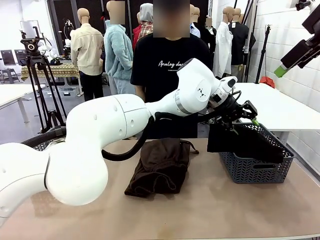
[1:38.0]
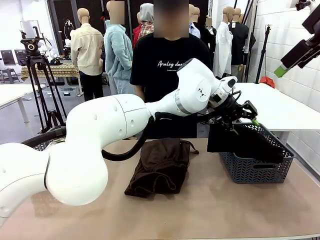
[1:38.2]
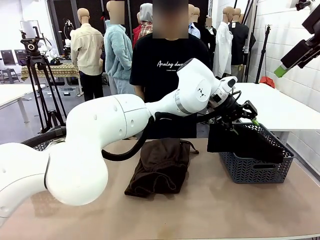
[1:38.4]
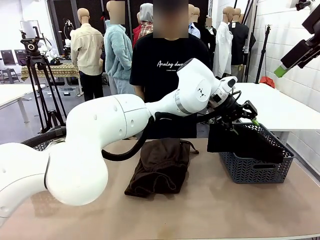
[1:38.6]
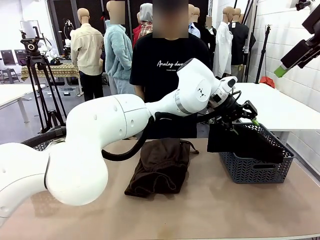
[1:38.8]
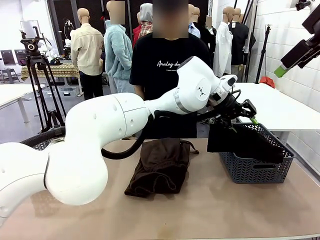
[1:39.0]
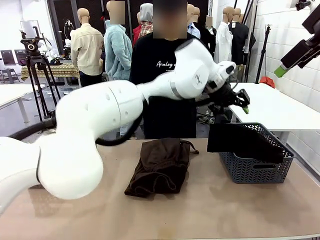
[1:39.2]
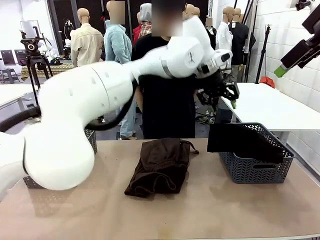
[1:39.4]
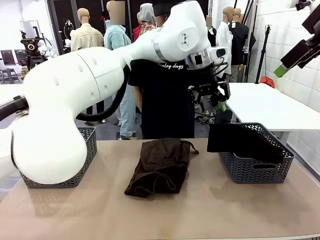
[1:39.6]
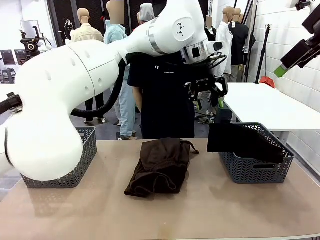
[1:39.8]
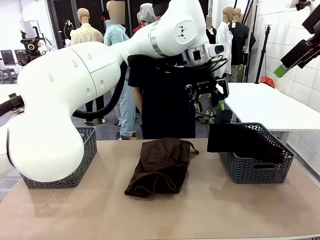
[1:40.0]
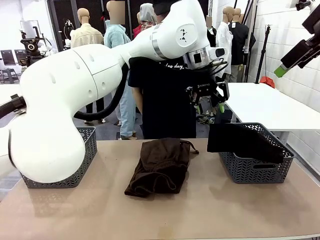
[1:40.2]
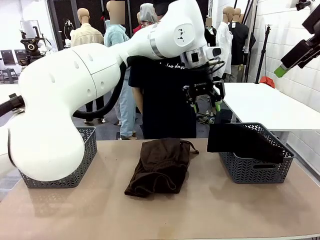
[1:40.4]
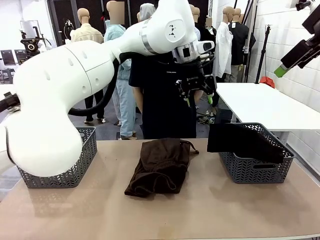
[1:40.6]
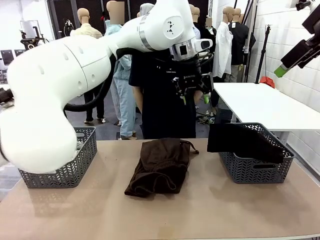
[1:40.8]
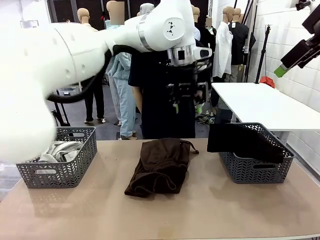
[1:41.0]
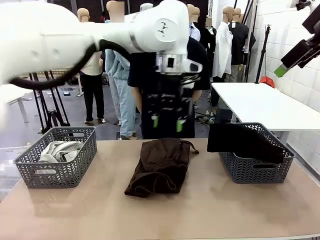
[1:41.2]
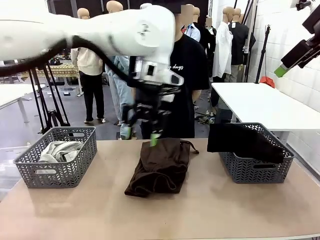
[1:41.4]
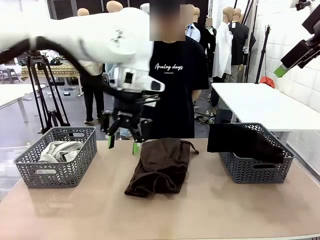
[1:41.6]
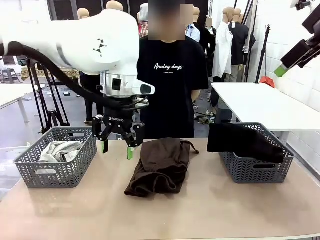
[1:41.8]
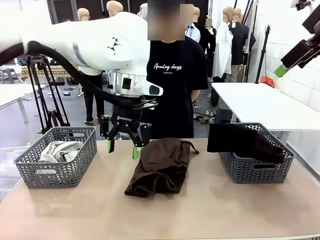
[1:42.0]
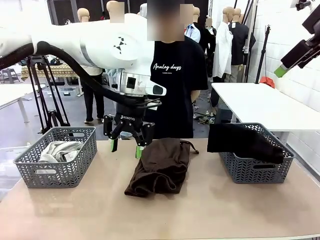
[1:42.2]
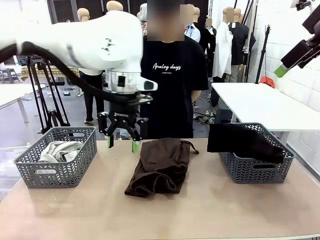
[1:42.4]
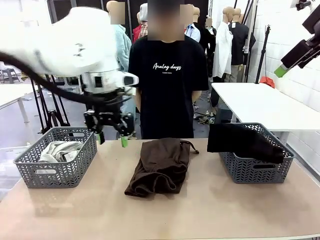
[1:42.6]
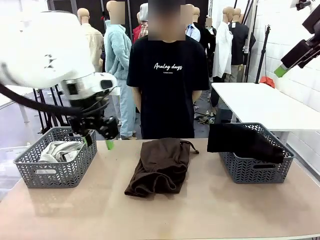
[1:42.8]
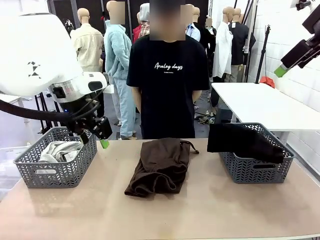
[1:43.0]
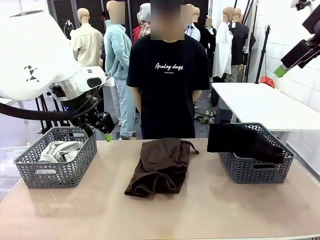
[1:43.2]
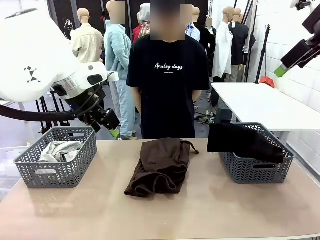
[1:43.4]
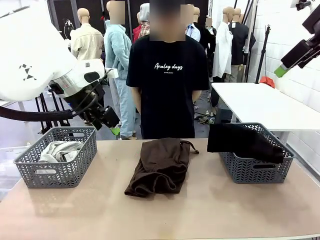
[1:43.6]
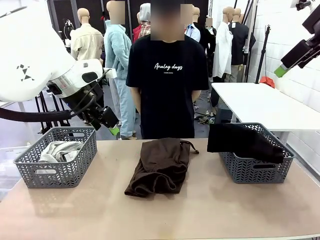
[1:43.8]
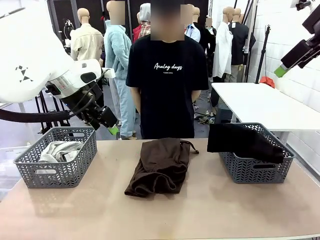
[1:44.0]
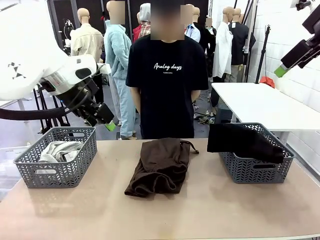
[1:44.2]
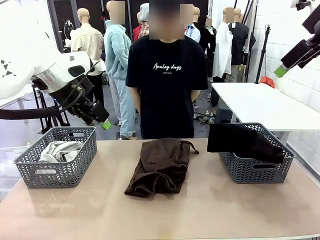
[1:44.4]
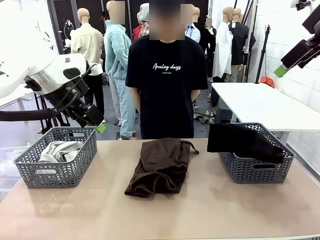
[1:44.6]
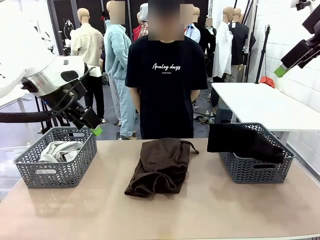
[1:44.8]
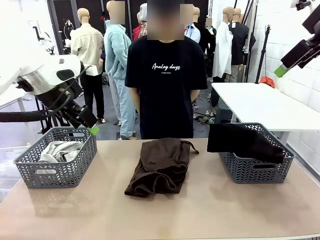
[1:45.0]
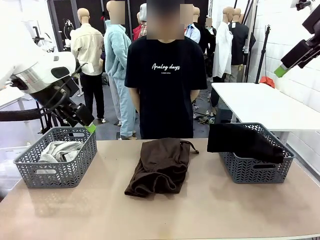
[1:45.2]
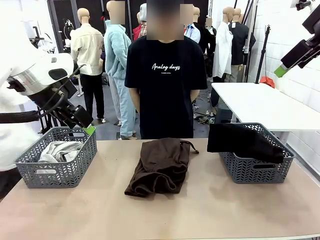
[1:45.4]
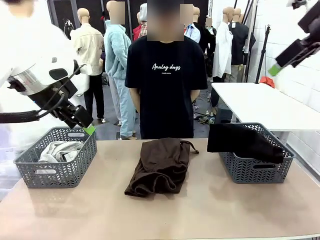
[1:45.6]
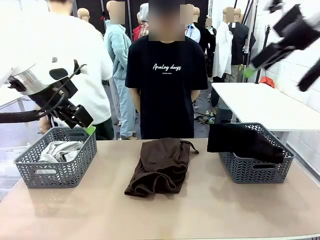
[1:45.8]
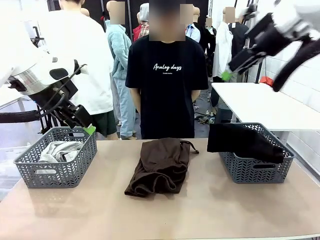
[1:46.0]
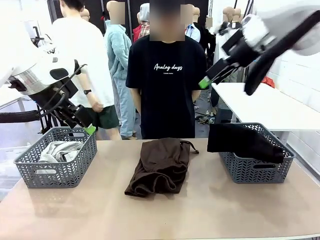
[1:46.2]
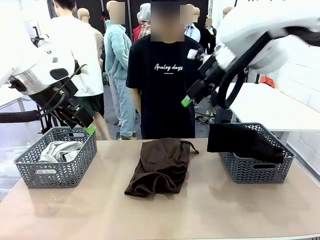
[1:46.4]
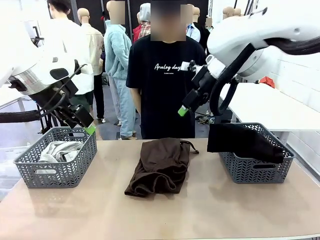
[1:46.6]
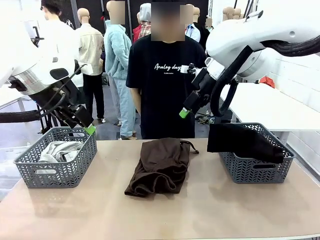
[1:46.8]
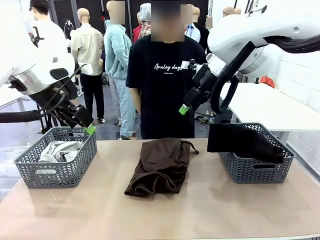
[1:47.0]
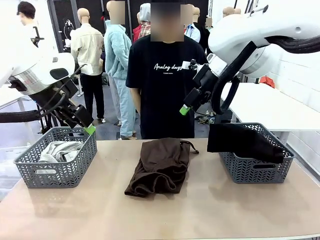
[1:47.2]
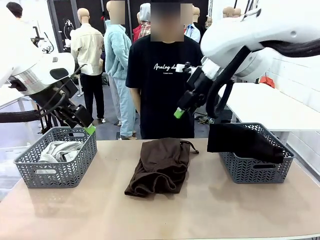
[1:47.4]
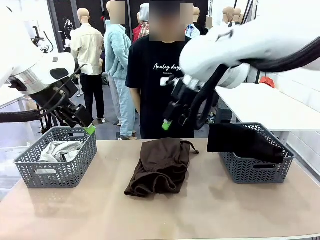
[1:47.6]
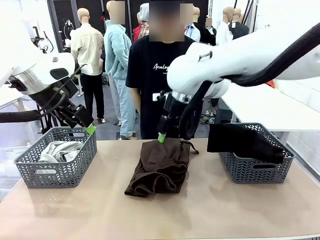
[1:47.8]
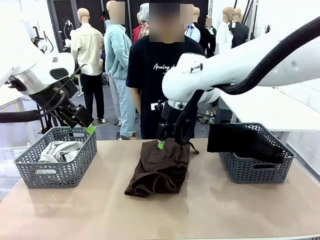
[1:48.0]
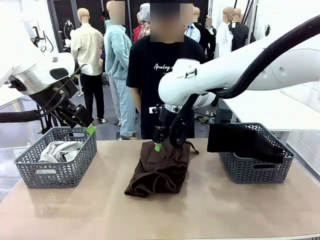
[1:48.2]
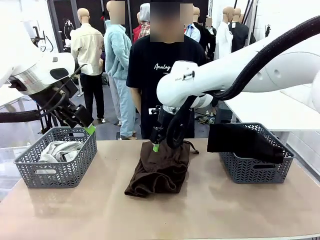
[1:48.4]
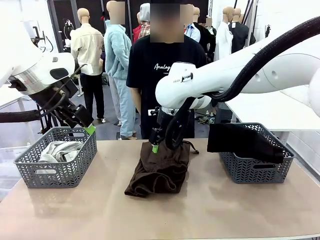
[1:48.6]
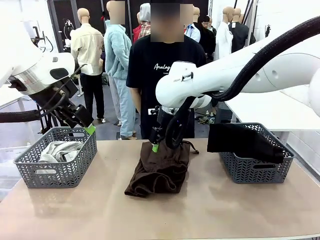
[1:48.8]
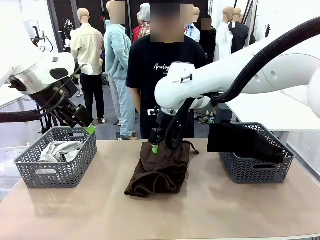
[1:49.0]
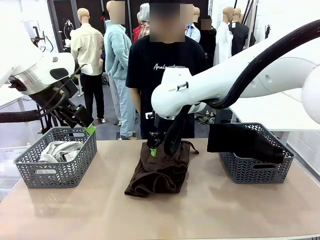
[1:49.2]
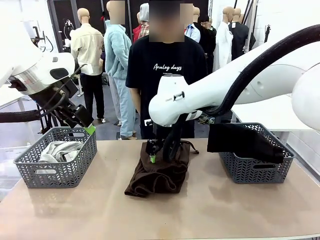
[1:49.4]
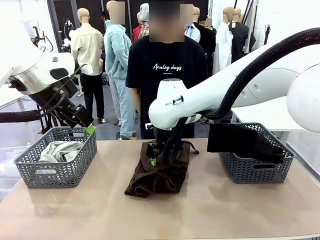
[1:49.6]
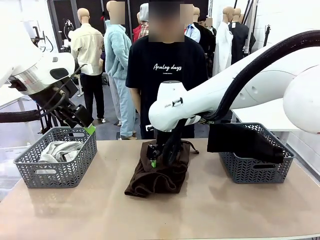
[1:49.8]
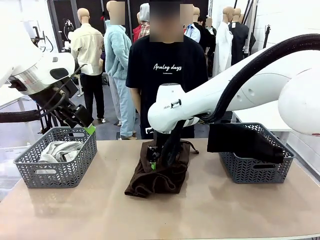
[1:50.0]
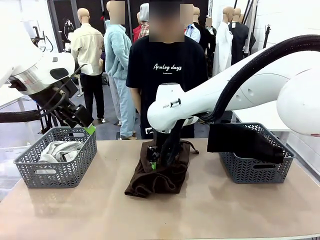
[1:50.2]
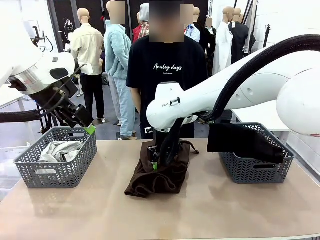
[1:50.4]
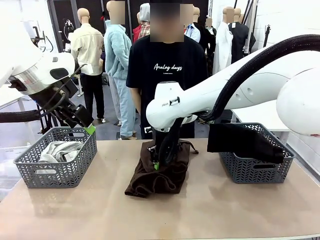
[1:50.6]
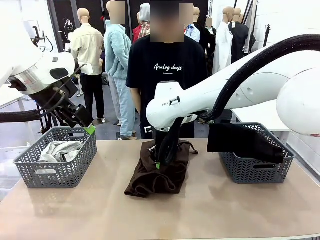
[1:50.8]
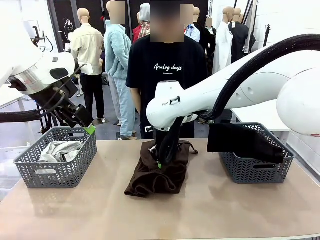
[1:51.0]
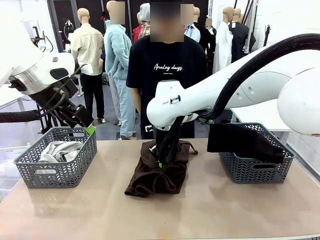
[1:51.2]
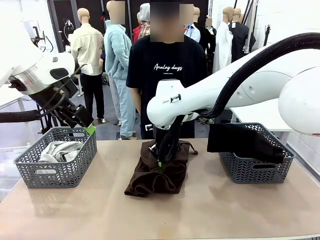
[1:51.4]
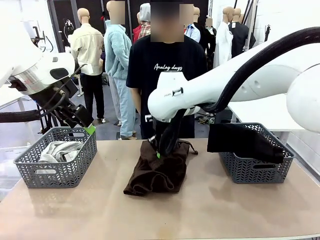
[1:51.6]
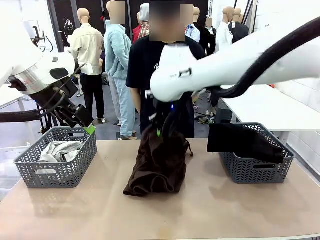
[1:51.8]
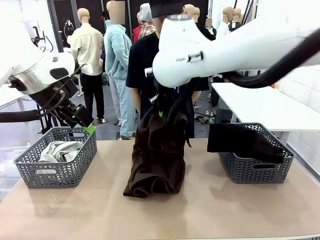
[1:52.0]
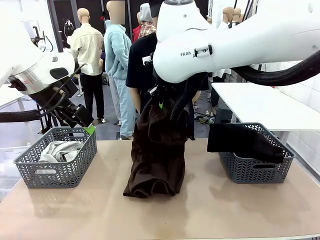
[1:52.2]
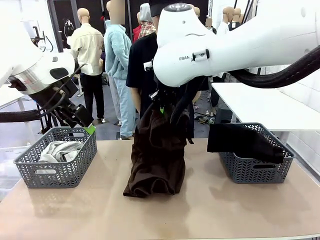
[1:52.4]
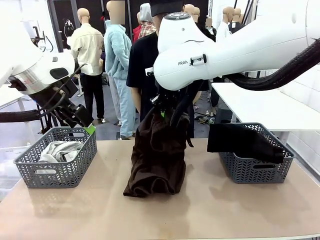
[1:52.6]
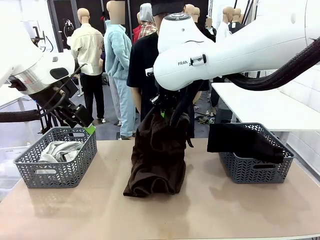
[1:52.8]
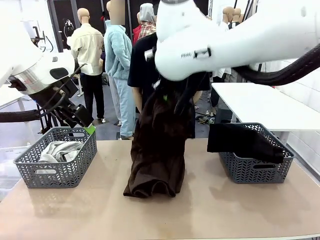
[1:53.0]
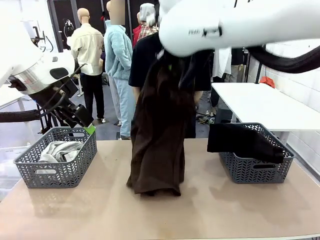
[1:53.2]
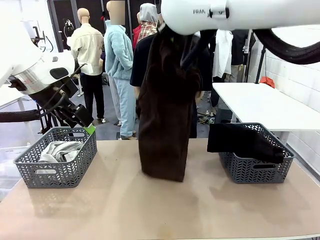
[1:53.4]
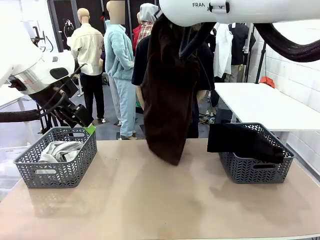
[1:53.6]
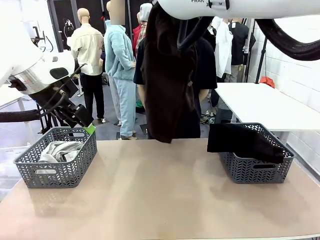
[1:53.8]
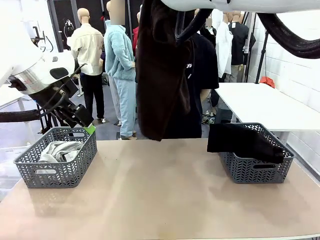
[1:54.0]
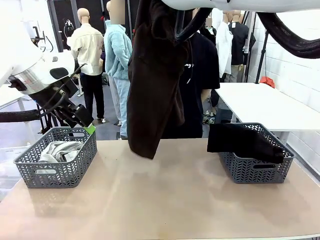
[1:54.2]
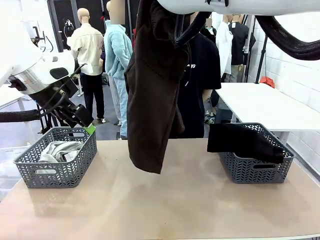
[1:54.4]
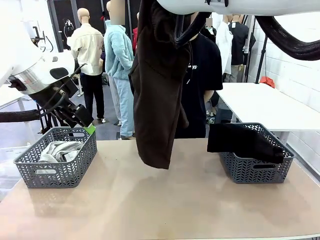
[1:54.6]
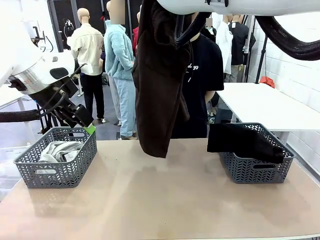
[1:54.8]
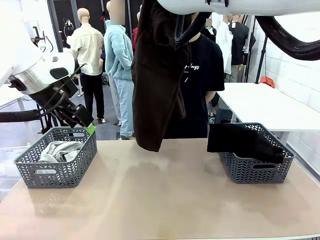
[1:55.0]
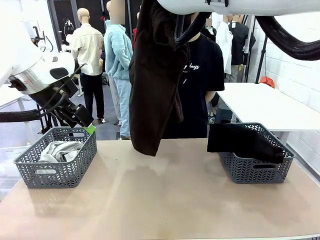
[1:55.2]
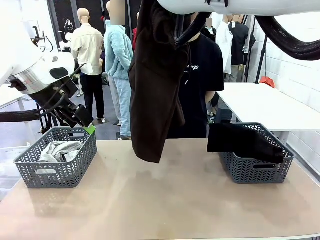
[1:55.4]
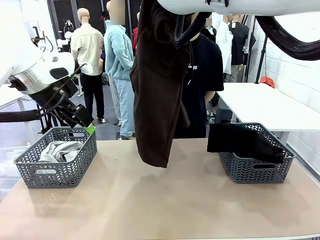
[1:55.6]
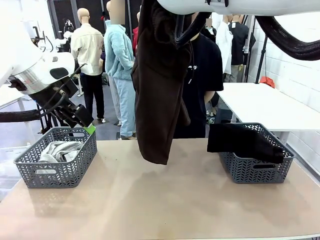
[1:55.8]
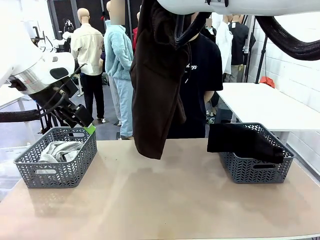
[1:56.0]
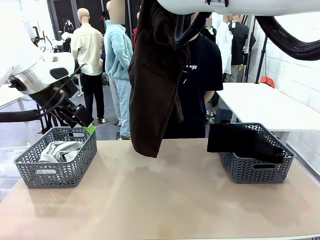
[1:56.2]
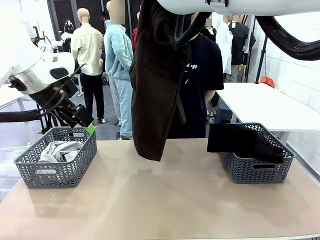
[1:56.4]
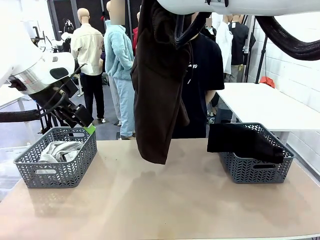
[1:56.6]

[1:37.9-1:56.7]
Task: Sort the tops and bottoms.
Robot: Lift clothes from the center of the table with your right hand.
